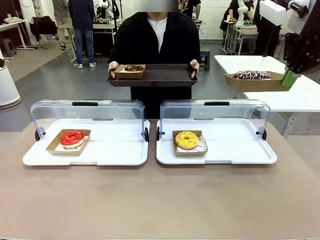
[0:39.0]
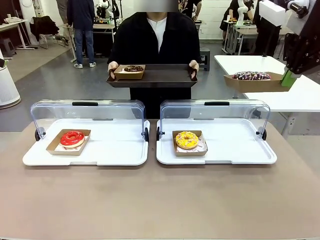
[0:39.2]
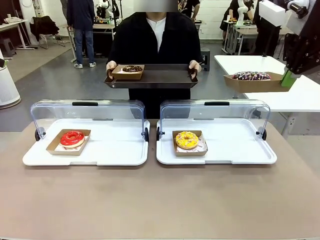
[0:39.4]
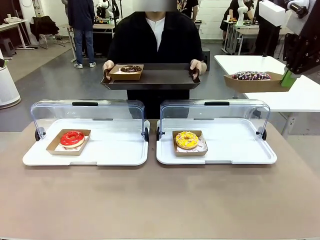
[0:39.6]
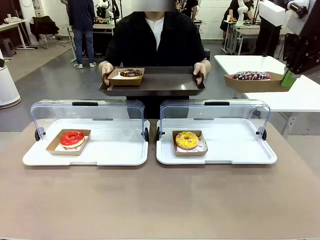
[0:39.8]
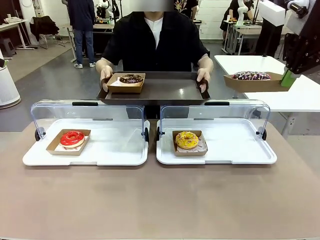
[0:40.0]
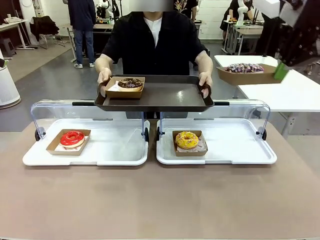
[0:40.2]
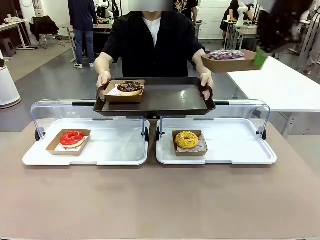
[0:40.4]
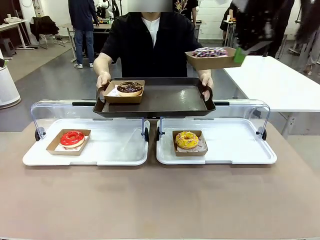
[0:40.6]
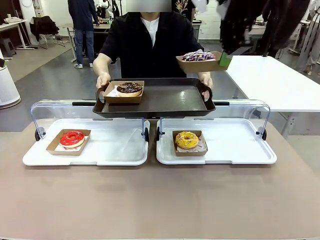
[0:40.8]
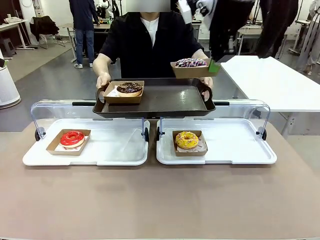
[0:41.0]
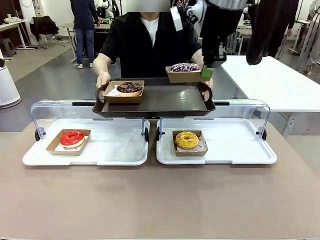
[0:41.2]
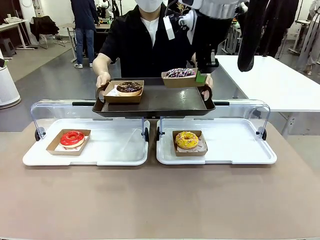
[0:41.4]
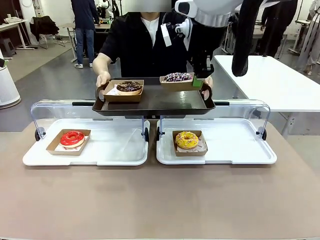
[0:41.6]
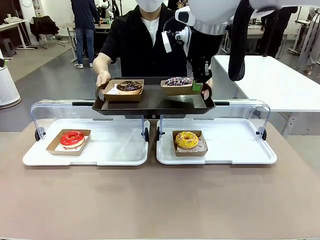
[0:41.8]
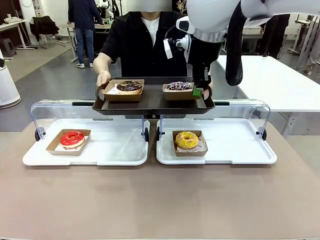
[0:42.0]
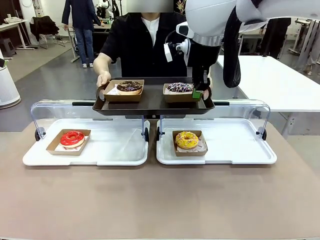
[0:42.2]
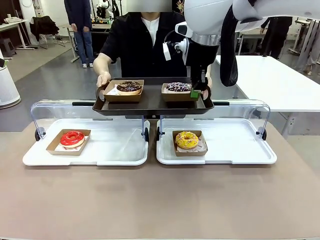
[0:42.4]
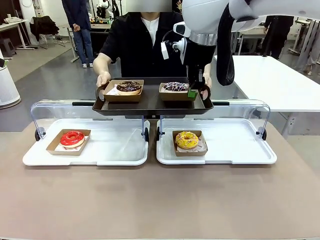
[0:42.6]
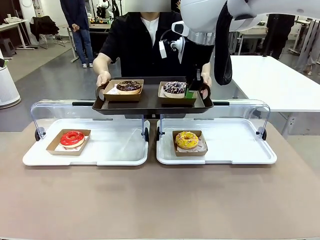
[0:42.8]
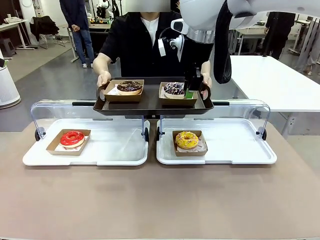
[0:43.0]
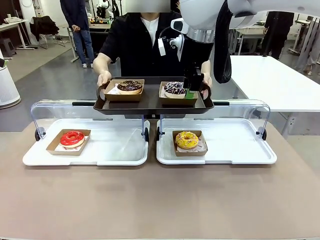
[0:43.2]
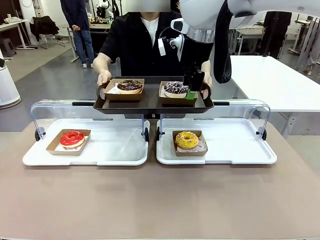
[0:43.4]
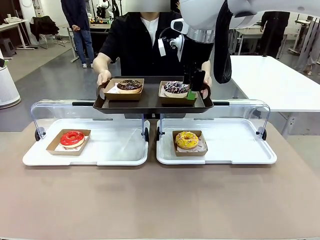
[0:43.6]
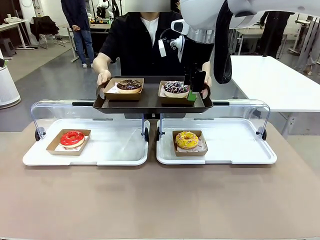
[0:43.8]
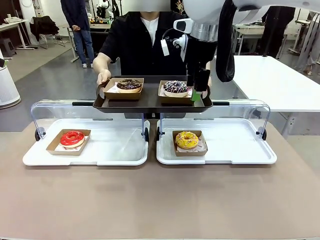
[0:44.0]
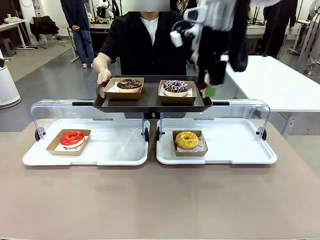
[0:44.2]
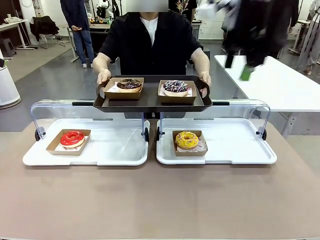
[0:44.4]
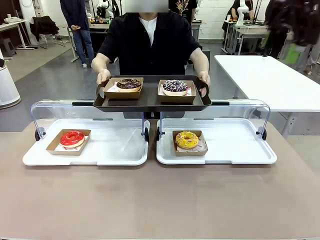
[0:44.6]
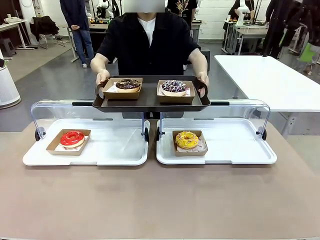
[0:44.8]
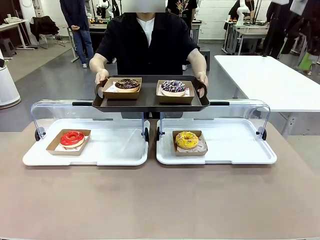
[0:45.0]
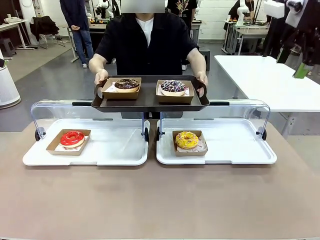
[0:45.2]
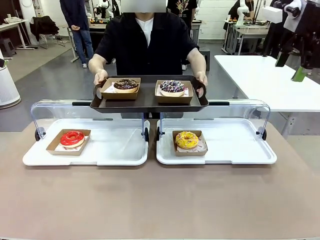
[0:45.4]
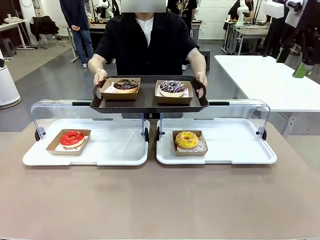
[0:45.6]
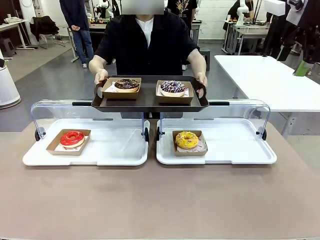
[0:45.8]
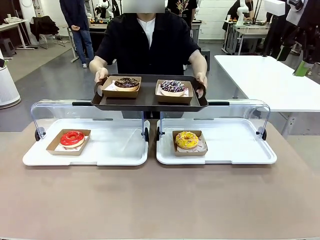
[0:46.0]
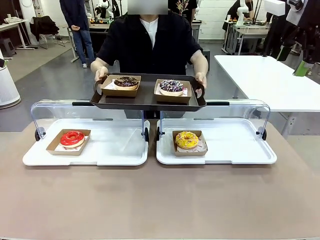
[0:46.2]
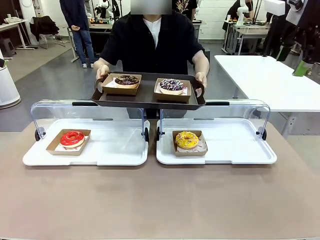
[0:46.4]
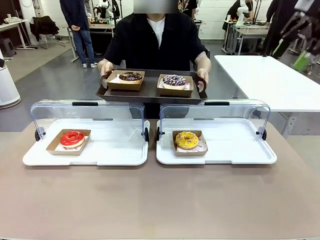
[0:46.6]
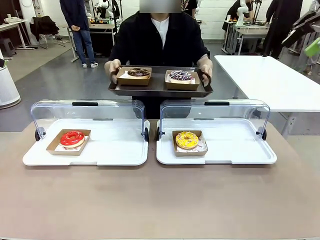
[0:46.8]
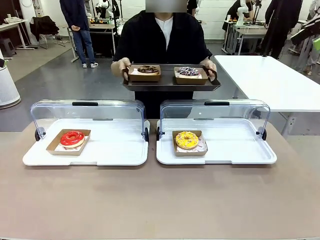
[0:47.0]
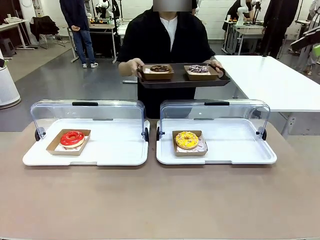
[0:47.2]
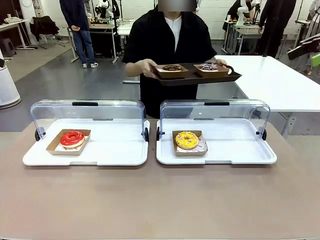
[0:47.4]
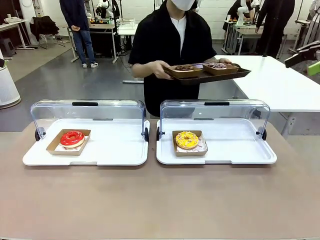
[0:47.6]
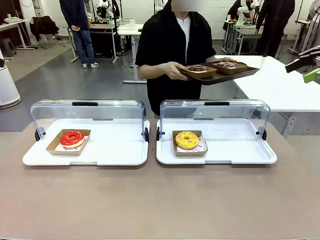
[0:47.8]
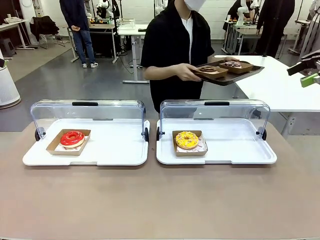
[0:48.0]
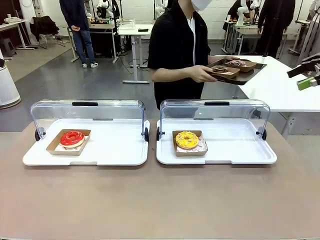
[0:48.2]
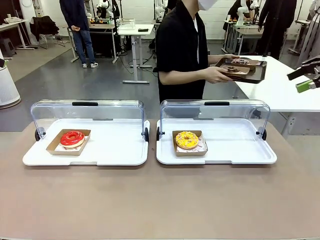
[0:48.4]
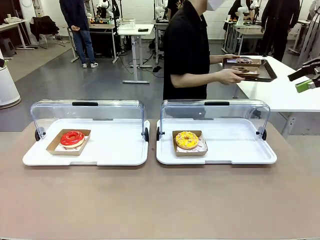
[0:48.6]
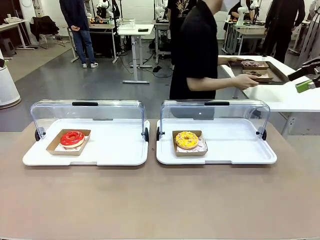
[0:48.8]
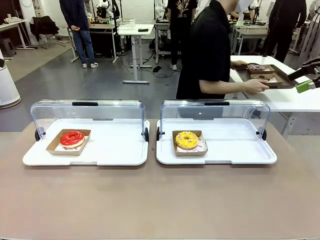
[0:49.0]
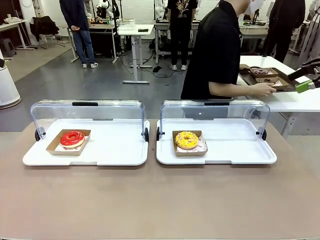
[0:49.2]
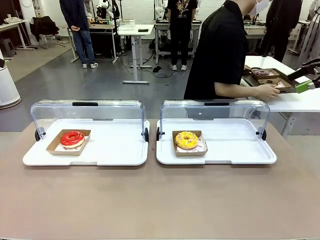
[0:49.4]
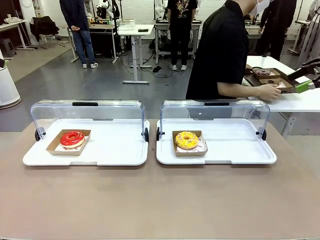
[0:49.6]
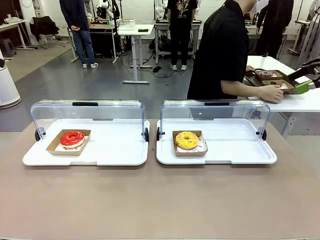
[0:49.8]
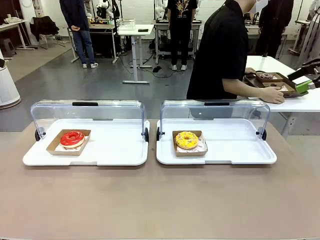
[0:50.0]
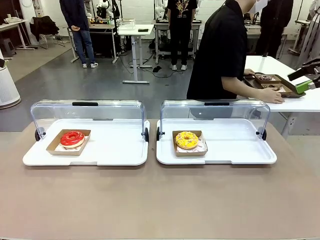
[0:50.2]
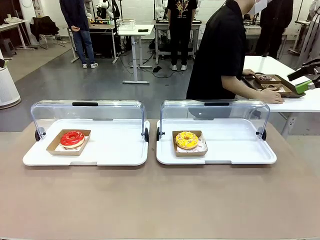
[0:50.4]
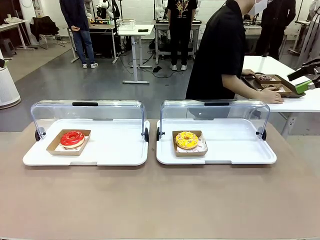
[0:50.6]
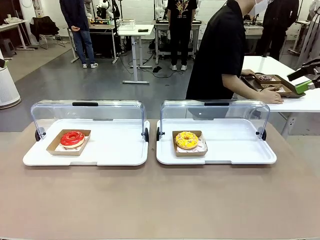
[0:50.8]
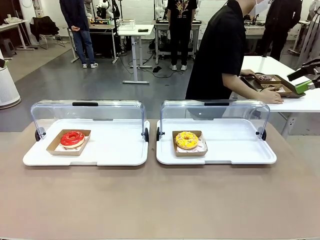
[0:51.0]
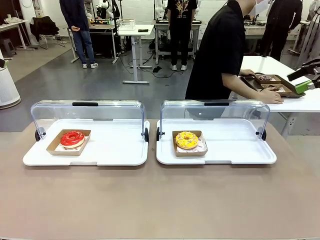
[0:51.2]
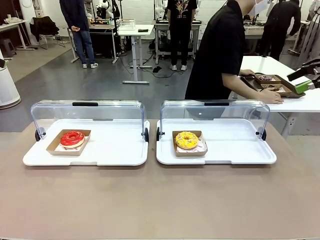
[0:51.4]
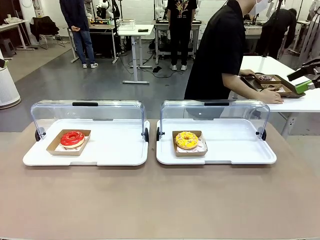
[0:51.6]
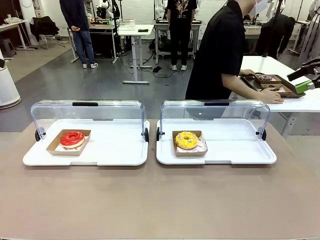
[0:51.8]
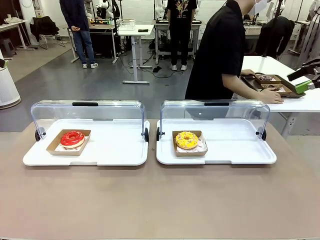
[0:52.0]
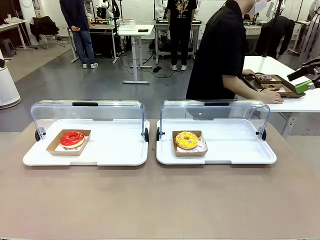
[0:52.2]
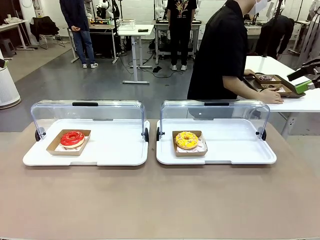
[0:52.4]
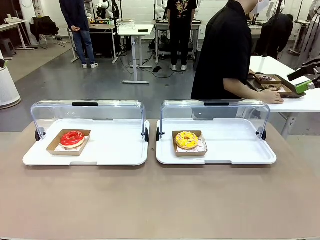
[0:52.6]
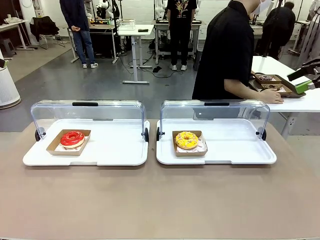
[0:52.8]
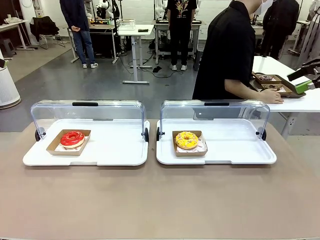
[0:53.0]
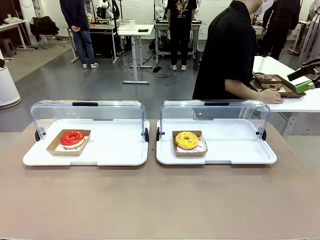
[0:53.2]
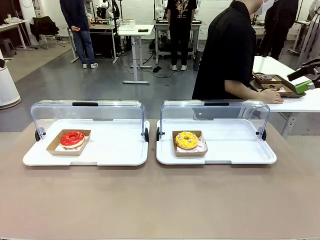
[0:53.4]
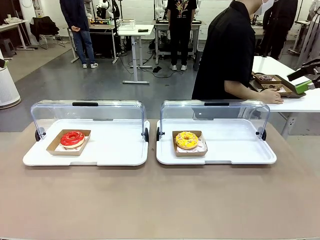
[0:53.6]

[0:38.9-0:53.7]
Task: Provide the desired donut to the person.
Robot: Place the picked Paper togo box onto the Handle tray extended by the person.
Person: Place the tray in the middle of the human table.

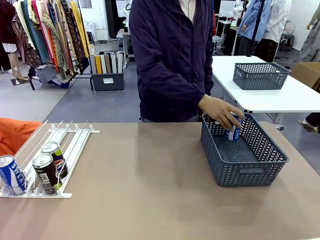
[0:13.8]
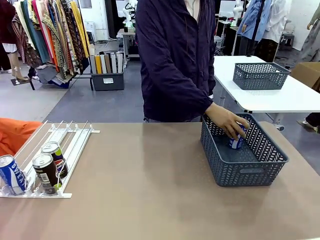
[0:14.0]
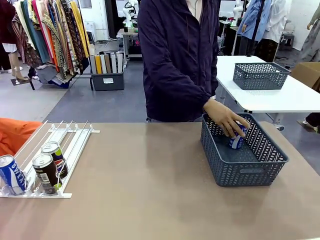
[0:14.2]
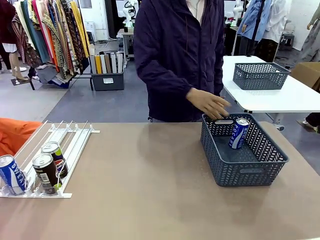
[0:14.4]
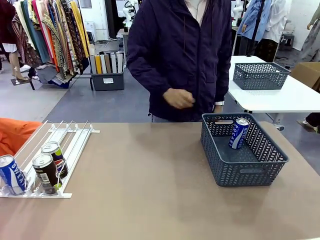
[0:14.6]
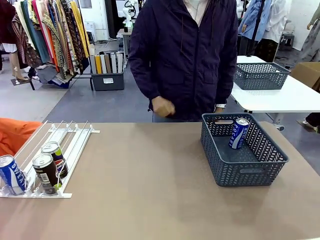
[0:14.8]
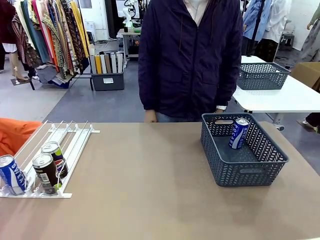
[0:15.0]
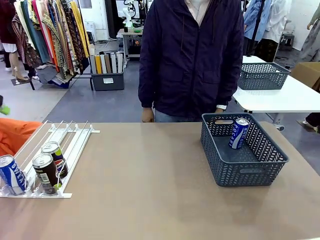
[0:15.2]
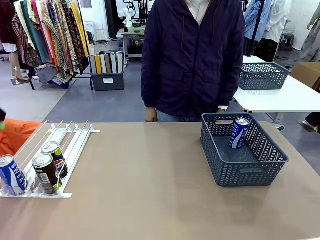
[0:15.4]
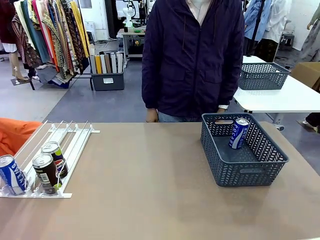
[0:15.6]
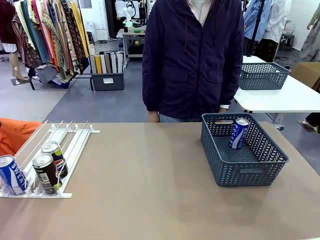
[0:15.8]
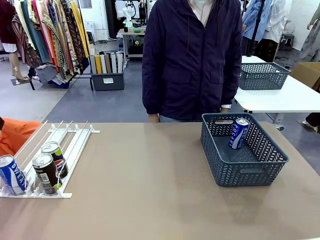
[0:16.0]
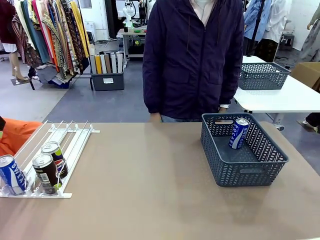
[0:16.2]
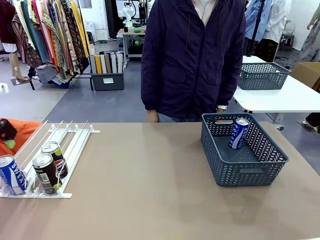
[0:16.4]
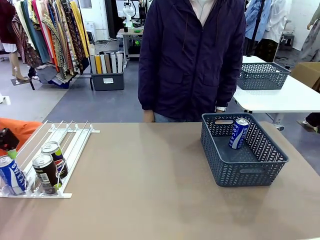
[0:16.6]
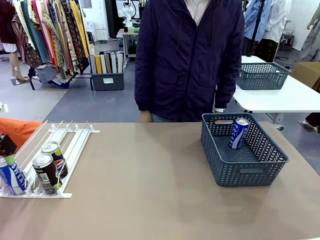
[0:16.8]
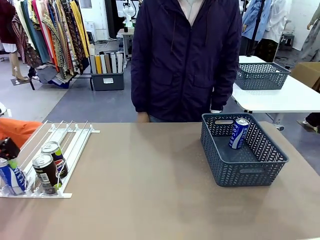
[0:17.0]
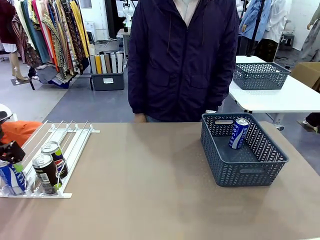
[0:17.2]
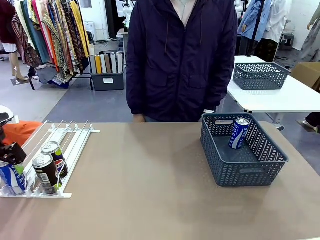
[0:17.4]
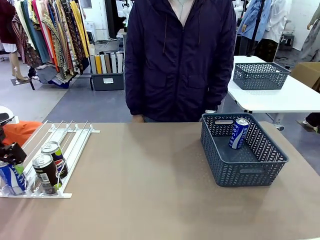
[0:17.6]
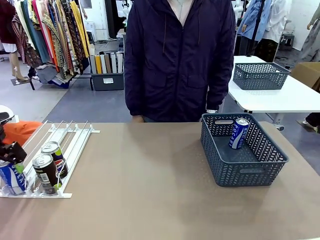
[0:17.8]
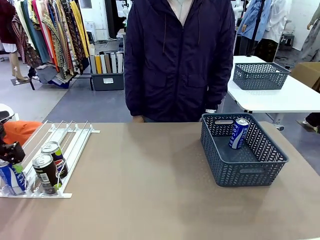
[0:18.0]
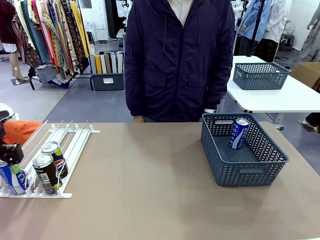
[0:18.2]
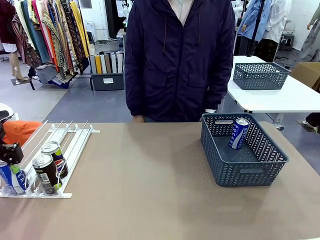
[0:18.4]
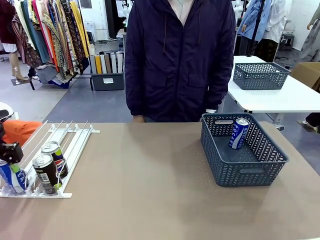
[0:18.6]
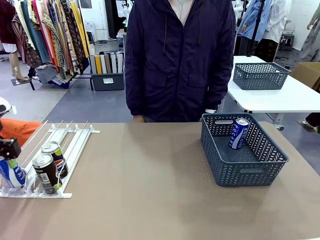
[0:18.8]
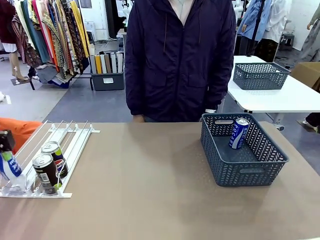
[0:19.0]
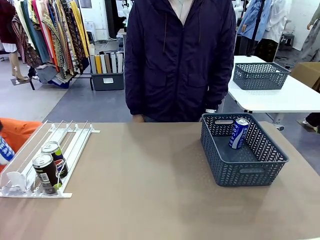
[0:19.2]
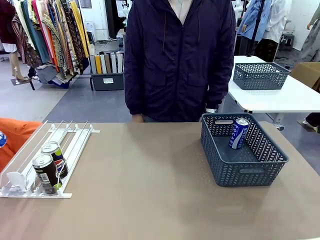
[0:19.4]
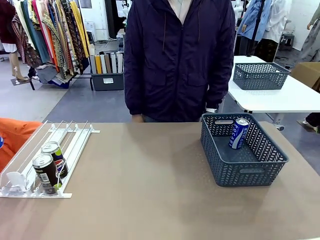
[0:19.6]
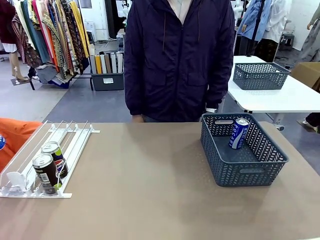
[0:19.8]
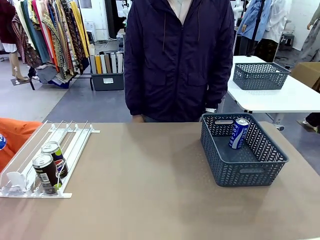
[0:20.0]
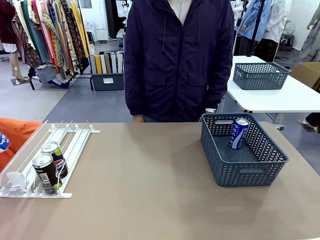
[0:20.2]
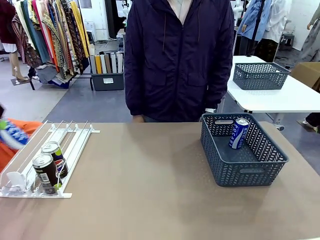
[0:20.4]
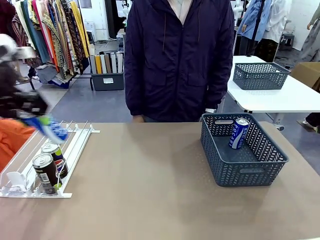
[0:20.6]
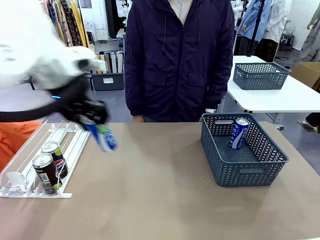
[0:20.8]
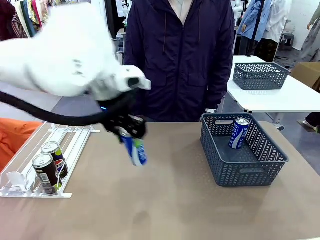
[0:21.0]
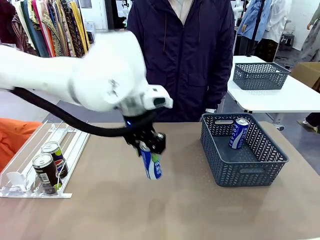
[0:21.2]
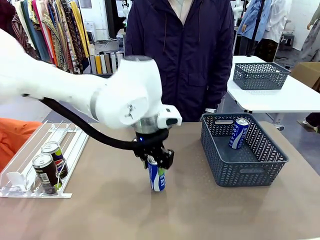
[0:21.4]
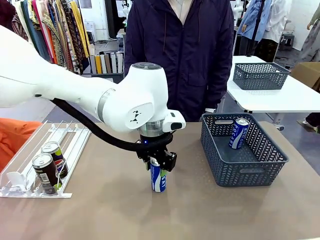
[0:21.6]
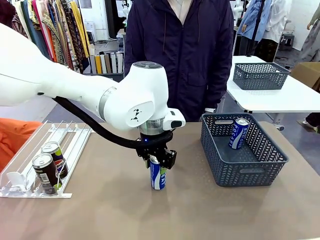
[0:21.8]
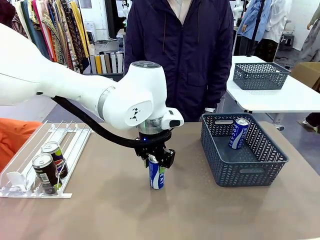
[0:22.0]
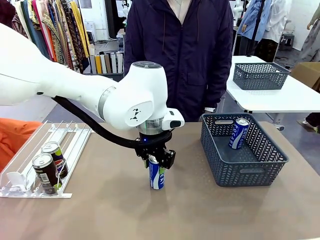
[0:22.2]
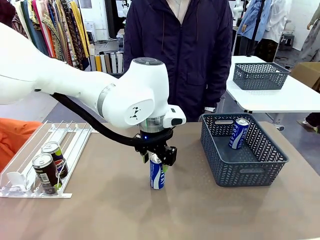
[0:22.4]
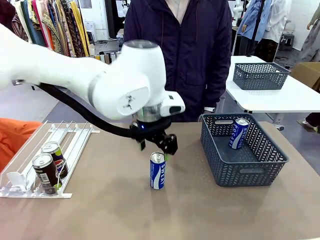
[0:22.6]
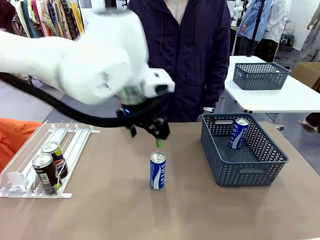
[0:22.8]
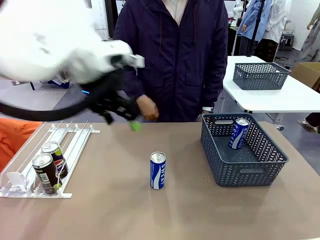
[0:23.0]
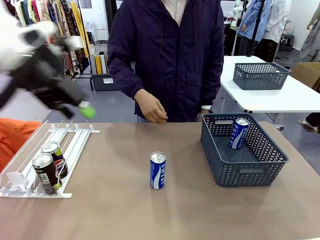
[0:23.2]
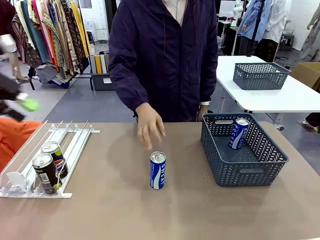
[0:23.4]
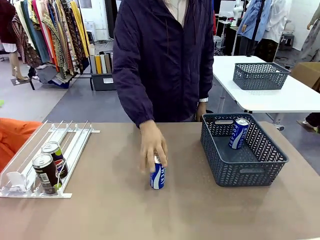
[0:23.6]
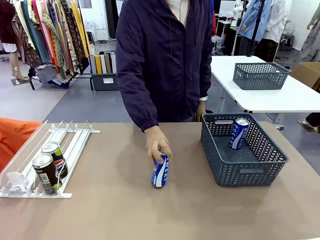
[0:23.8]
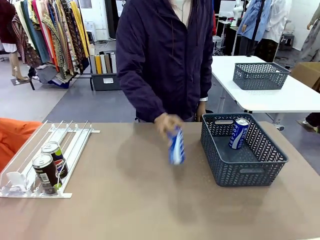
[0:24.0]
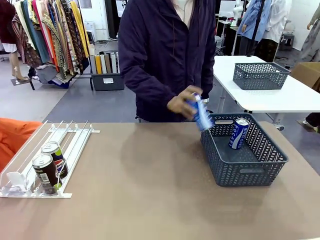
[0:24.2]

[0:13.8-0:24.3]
Task: Retrieve and store the cans from the dispenser.
Robot: Pick up the last remaining can from one row of the Automatic Can Dispenser and place it in the middle of the table.
Person: Pick up one Pepsi can from the middle of the robot table and place it in the basket.
